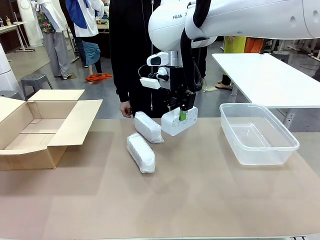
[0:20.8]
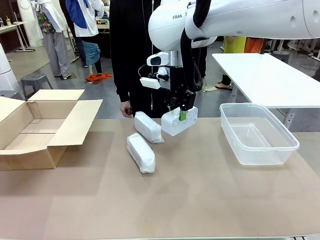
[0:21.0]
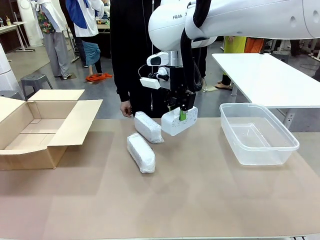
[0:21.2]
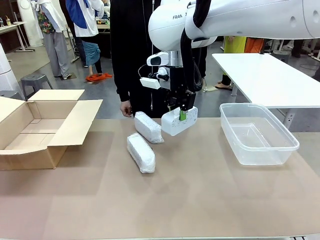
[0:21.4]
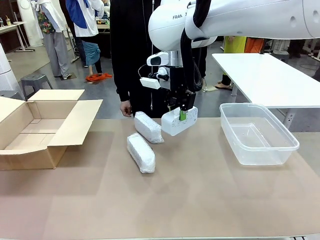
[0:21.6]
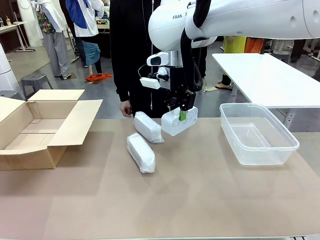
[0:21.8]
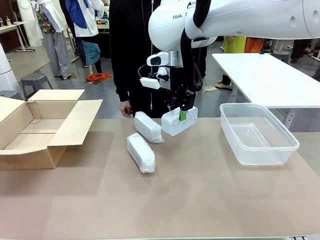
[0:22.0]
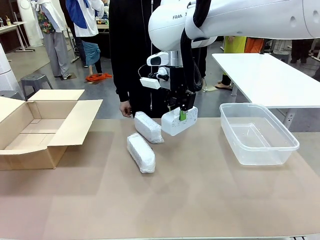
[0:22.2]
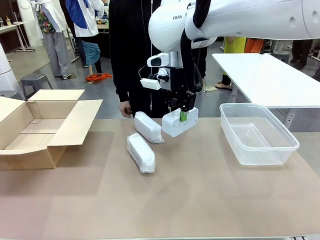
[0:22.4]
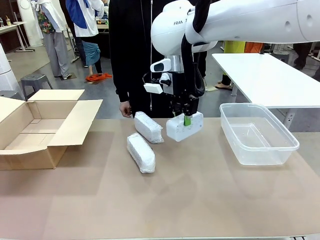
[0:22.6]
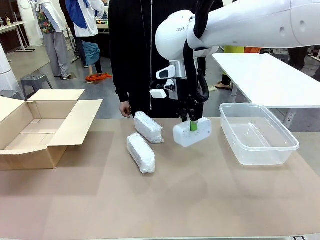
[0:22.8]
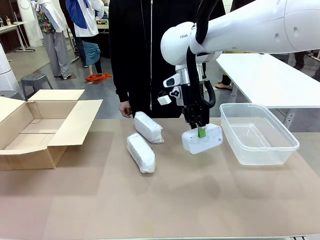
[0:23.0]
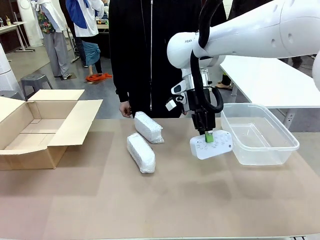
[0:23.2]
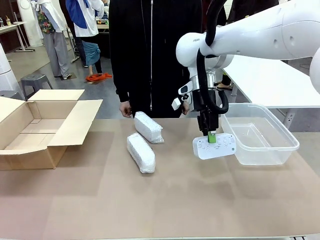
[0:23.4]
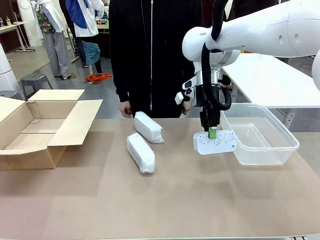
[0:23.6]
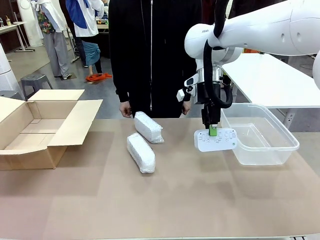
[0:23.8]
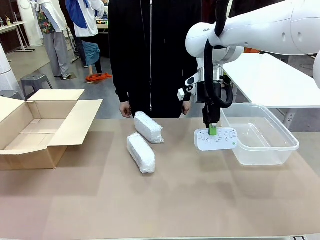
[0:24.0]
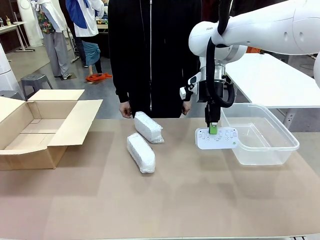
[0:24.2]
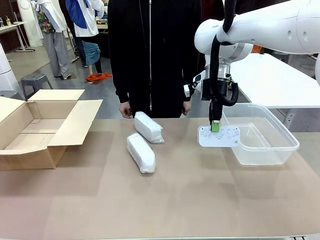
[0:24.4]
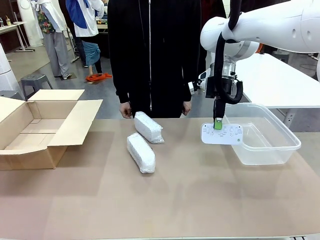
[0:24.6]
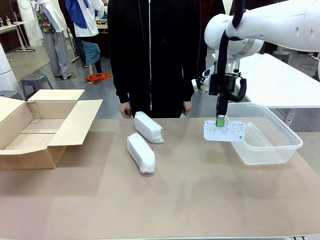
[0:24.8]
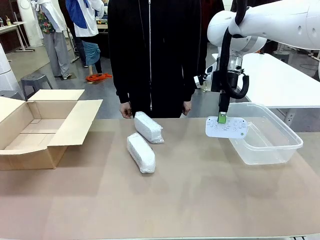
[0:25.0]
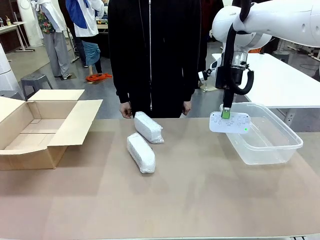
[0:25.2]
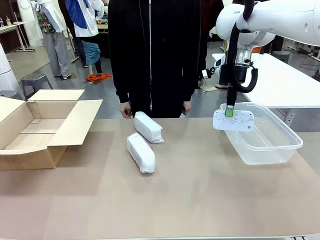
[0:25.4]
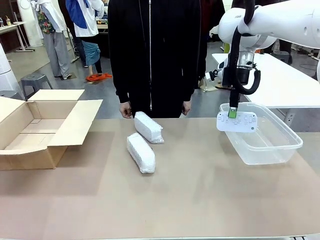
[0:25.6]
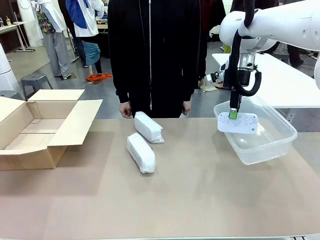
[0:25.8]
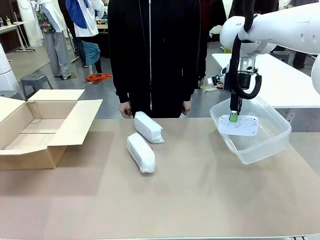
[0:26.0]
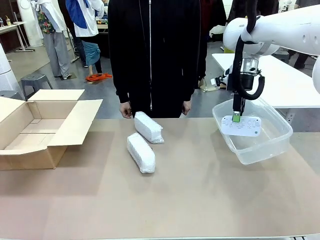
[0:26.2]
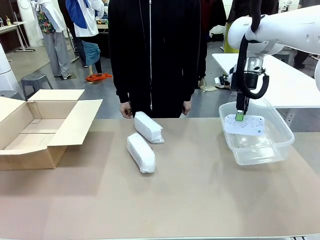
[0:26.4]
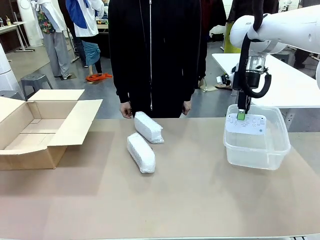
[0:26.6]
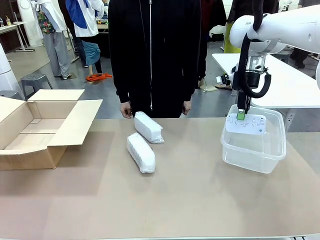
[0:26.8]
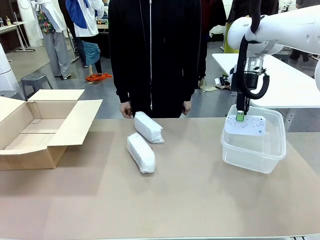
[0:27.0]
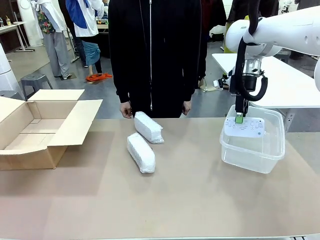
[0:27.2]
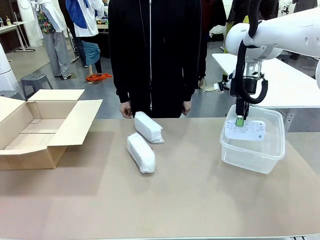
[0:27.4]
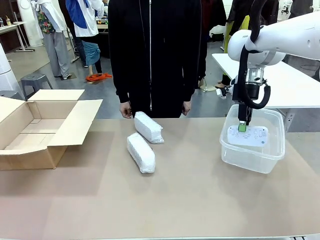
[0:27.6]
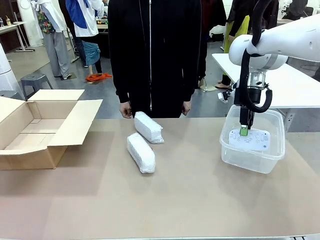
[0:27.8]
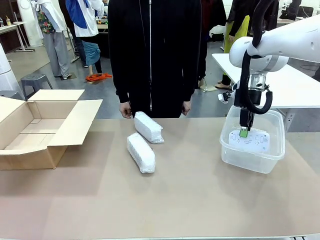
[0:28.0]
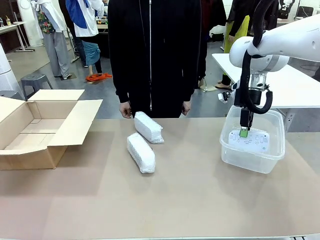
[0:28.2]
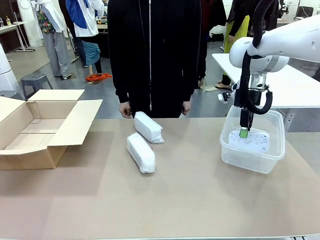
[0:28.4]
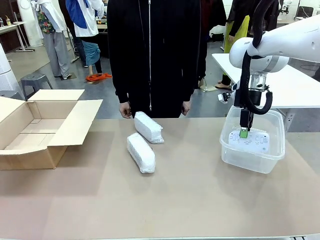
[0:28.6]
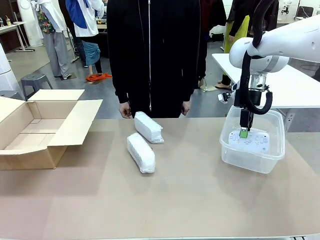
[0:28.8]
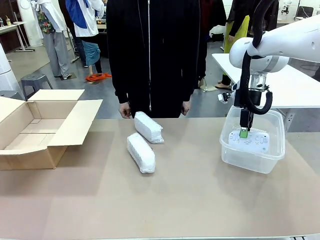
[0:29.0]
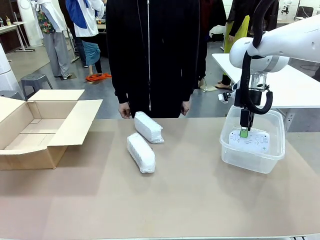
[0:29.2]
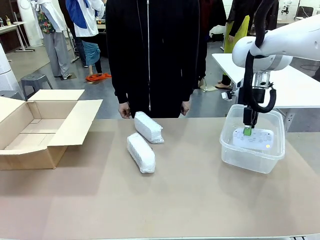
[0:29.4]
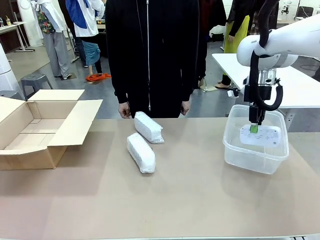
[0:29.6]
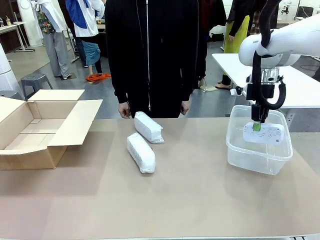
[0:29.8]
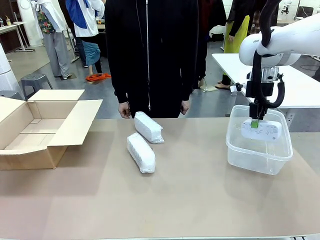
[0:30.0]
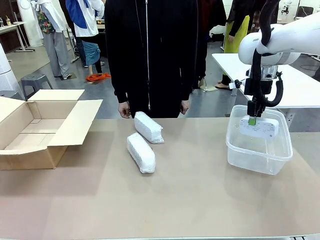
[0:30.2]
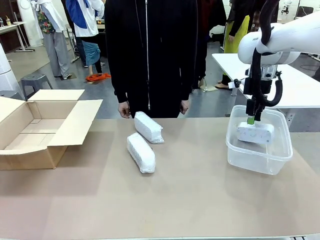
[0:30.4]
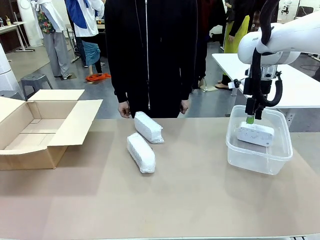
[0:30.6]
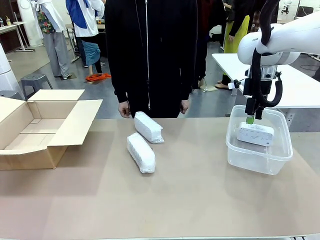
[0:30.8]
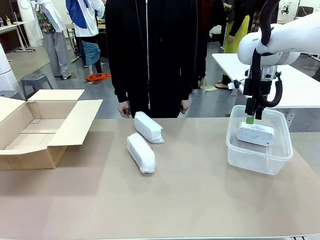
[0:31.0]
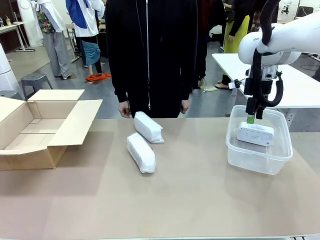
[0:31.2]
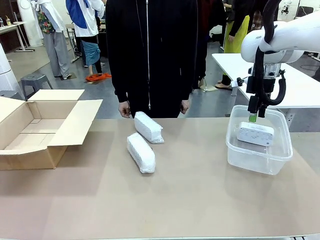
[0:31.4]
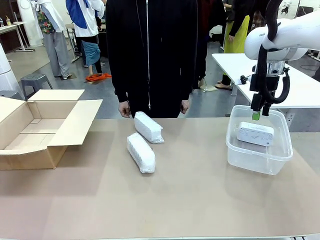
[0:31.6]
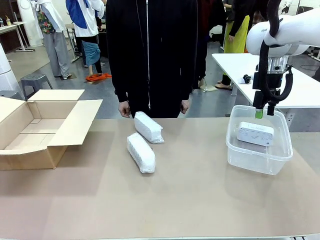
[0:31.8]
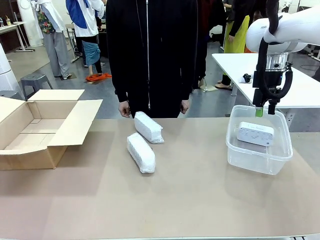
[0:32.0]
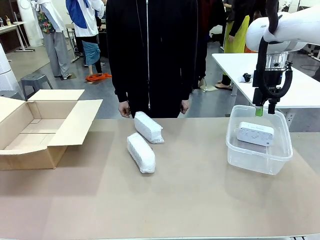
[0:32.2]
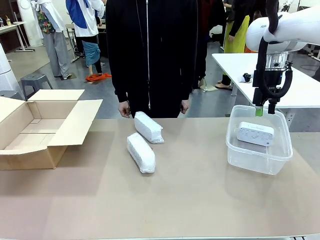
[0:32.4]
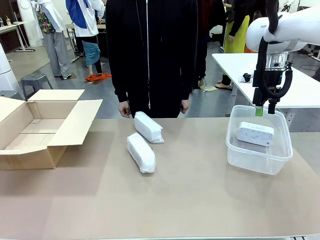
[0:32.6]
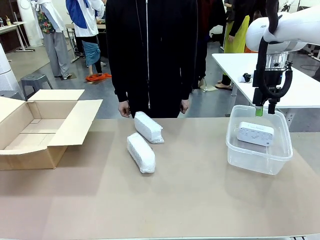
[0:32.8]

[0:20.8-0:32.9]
Task: Separate and place wrapped and unwrapped clocks.
Robot: If the picked Digital clock is wrapped, place it in the Package Box ; if not, place it in the Organizing box.

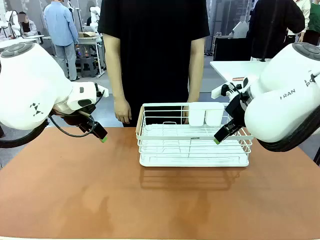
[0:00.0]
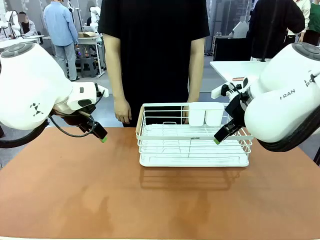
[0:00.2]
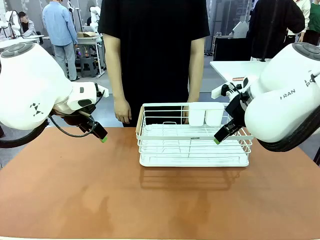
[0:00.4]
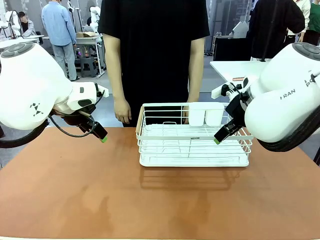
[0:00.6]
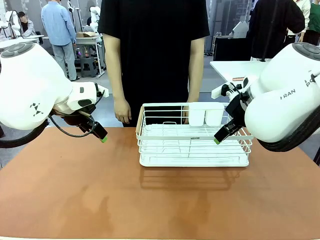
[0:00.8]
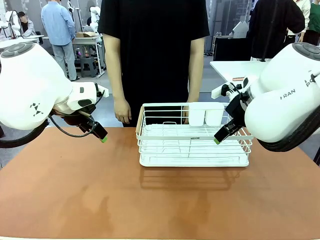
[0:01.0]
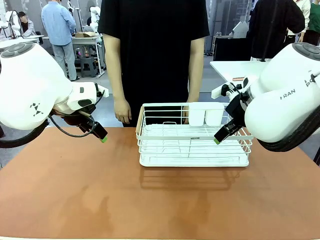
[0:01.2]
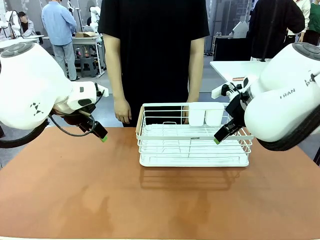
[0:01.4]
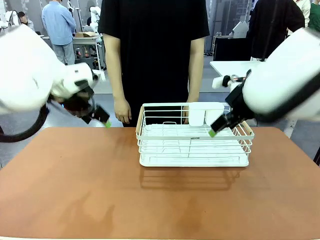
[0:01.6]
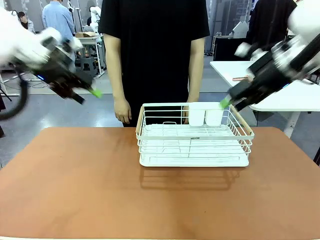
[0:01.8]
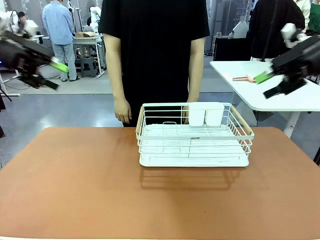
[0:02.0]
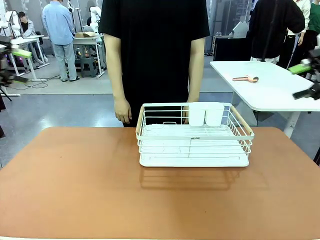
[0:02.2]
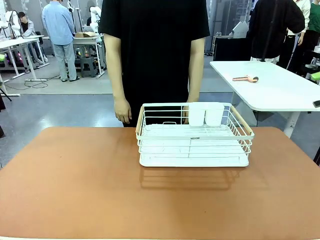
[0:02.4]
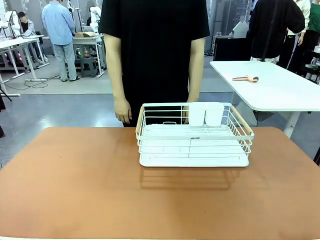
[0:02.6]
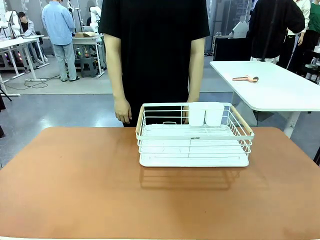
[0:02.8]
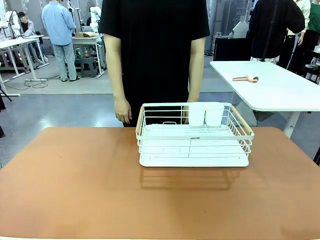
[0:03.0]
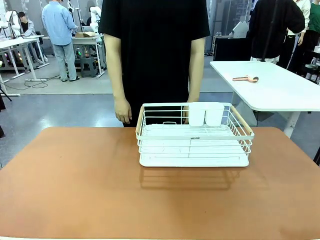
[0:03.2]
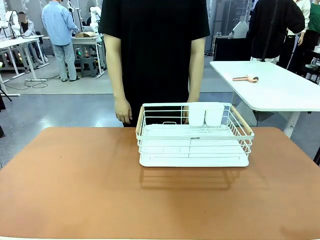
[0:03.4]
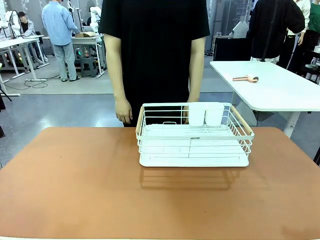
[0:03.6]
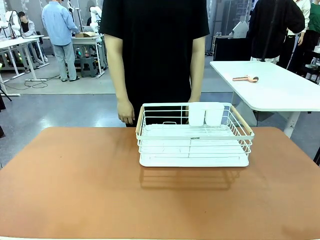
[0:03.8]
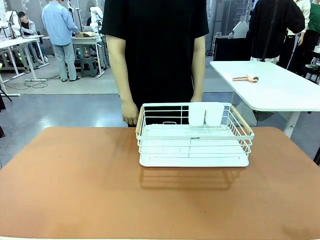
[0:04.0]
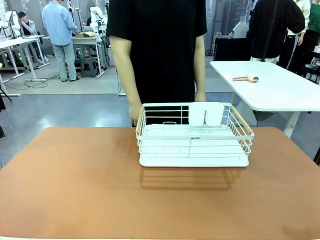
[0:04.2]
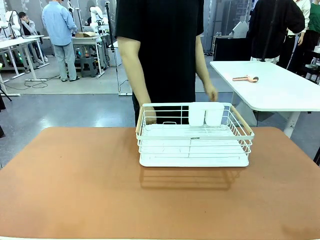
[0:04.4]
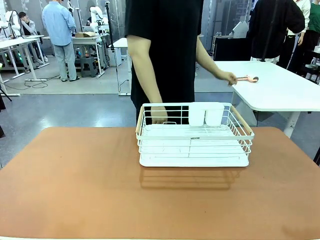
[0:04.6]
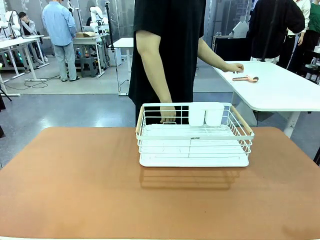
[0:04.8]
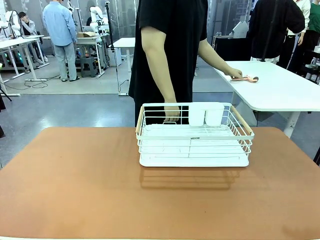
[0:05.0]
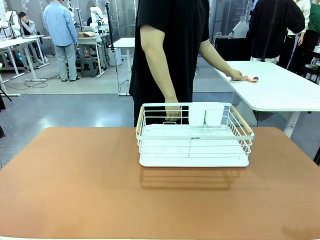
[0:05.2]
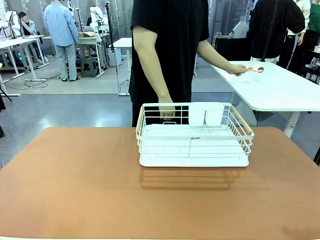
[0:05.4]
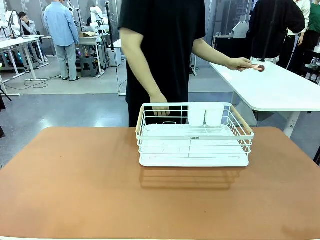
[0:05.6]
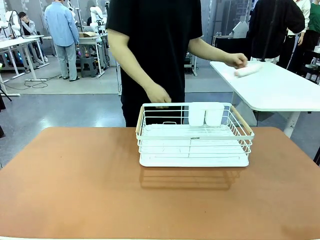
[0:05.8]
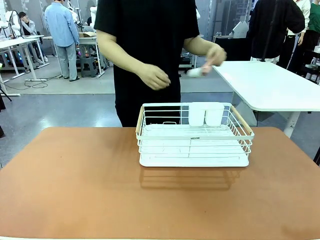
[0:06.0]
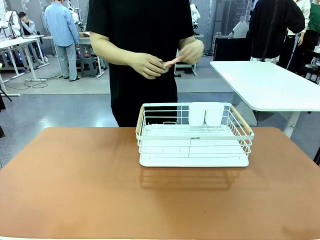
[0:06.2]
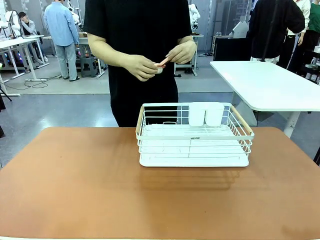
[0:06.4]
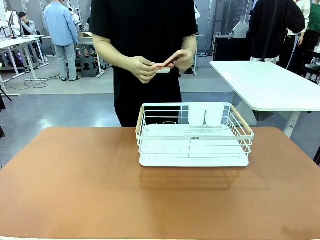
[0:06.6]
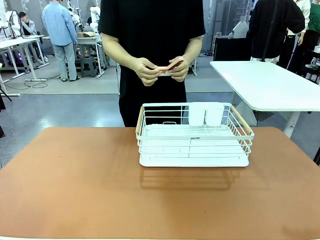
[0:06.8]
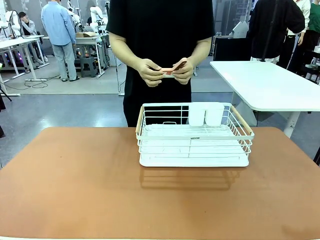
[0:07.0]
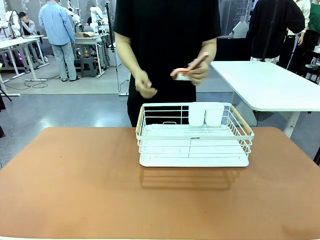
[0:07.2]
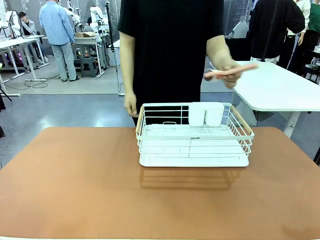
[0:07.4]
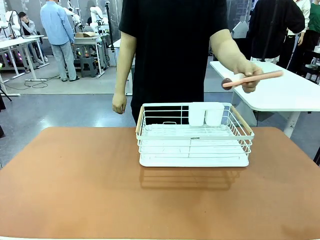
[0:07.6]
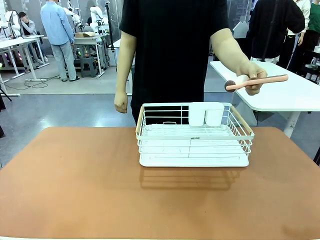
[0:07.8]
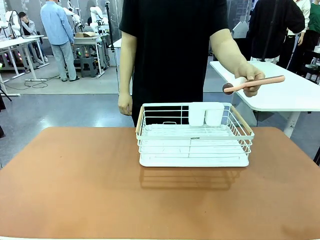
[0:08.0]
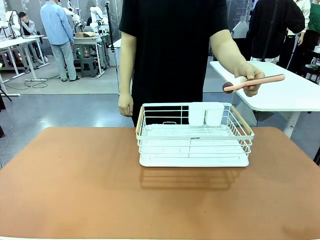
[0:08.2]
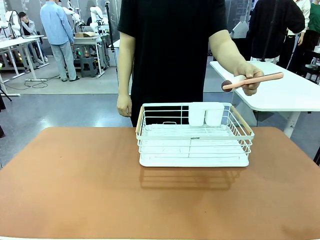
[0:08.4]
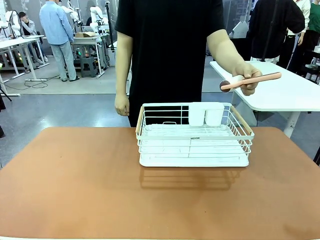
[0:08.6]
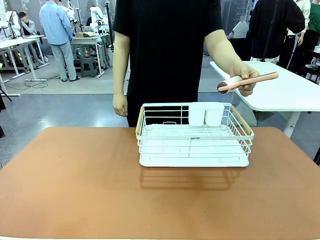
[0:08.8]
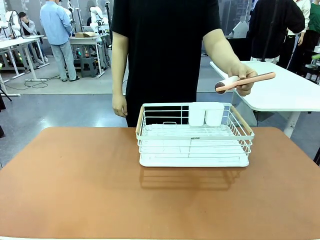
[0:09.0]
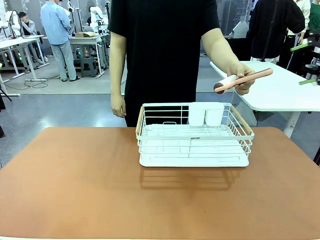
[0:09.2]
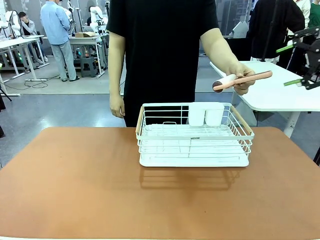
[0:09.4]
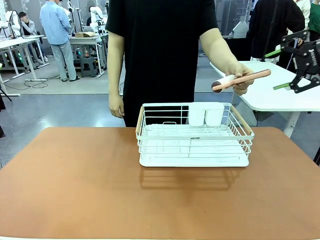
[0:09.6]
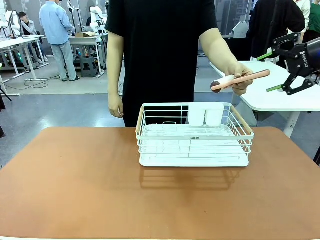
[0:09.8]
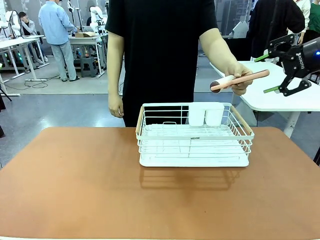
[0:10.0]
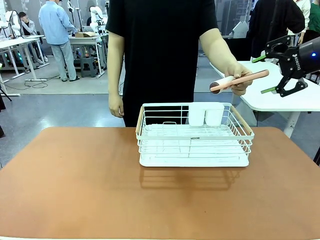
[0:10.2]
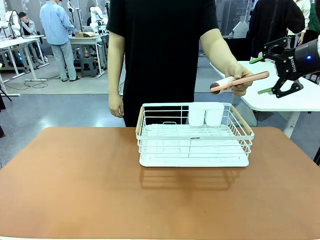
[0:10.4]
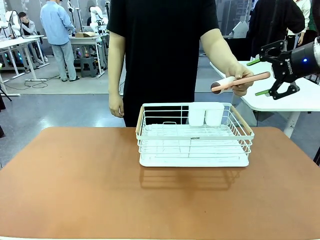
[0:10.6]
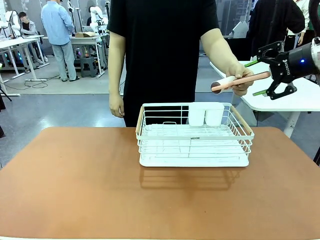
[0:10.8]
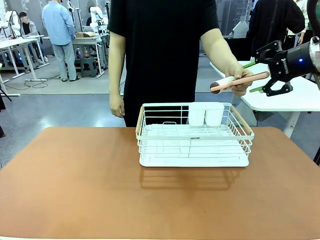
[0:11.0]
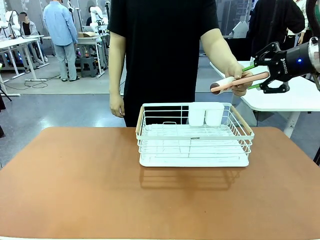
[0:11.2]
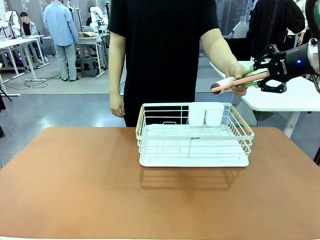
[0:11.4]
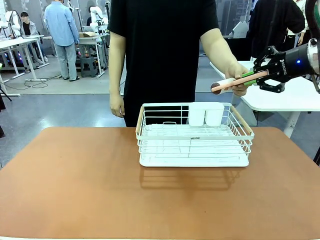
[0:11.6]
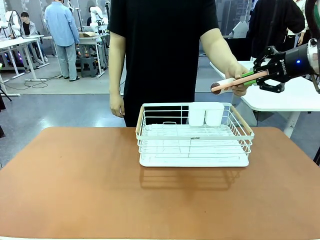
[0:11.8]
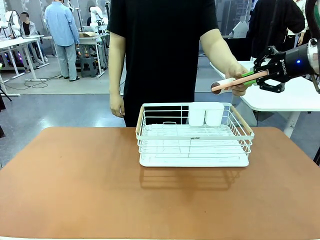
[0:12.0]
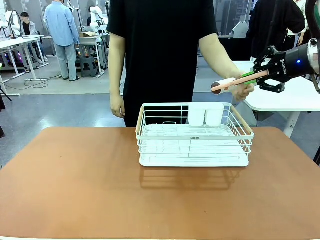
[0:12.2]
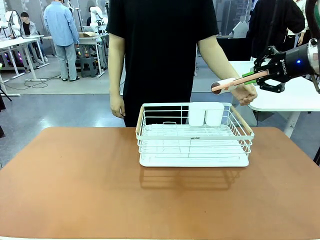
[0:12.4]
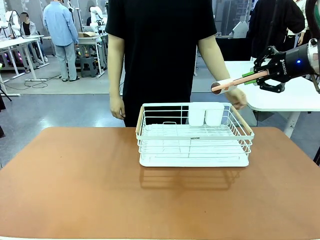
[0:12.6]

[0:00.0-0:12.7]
Task: Clean the table.
Robot: Pick up the Lint Roller when the human hands it over.
Person: Hand the Lint Roller to the robot so it can easily pick it up. Lift the Dish drying rack.
